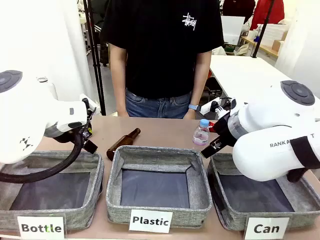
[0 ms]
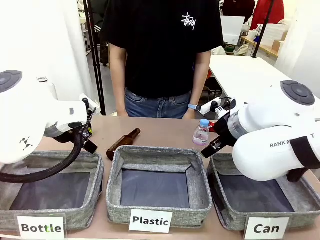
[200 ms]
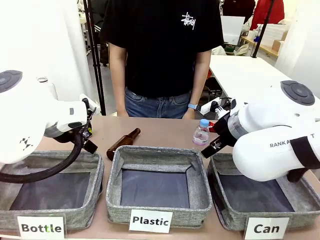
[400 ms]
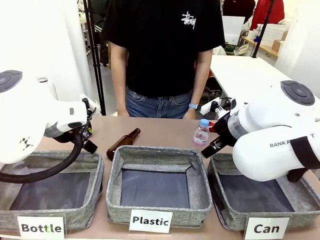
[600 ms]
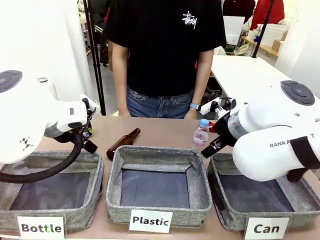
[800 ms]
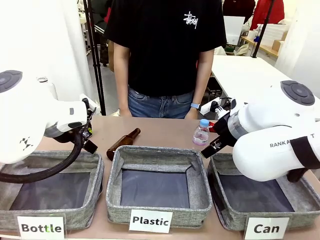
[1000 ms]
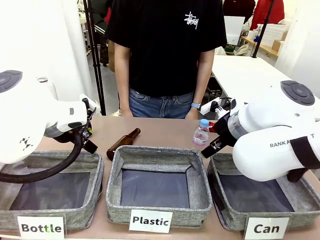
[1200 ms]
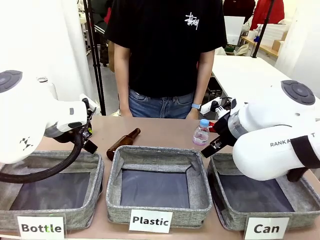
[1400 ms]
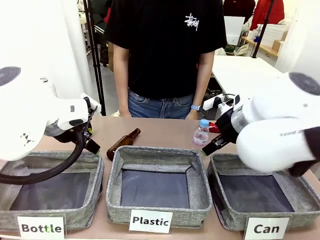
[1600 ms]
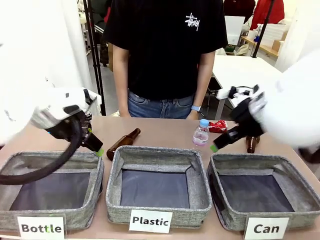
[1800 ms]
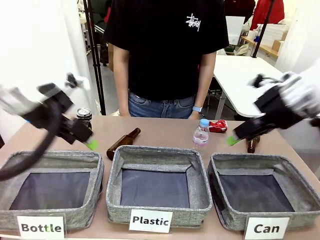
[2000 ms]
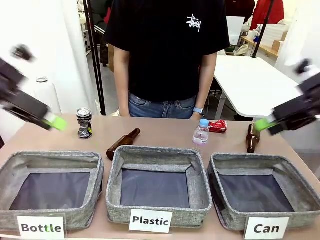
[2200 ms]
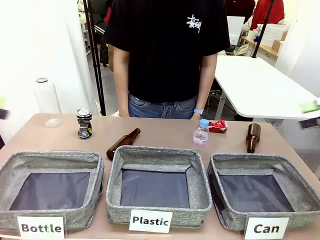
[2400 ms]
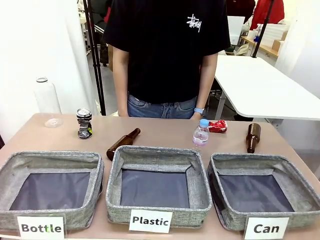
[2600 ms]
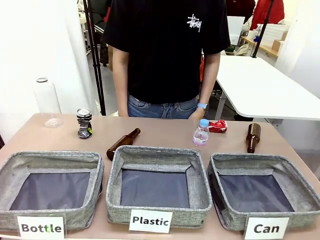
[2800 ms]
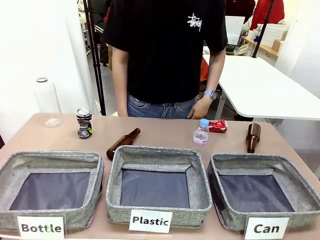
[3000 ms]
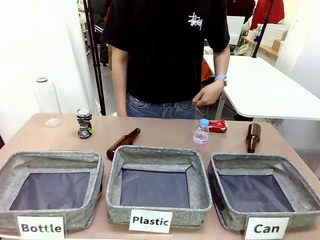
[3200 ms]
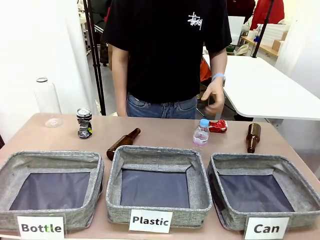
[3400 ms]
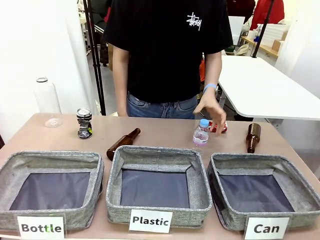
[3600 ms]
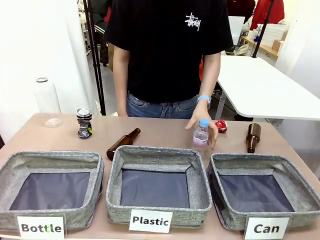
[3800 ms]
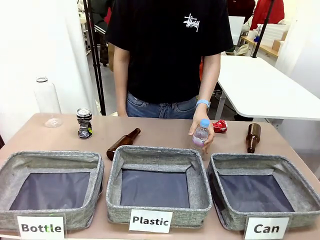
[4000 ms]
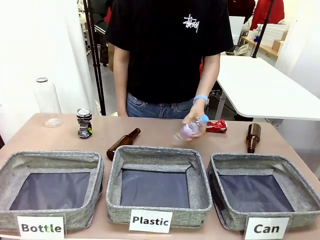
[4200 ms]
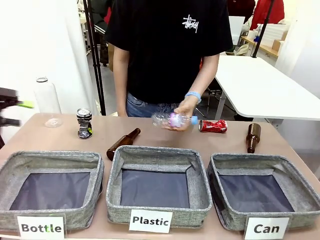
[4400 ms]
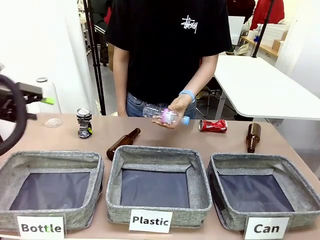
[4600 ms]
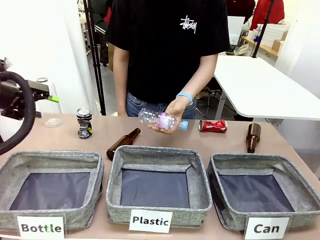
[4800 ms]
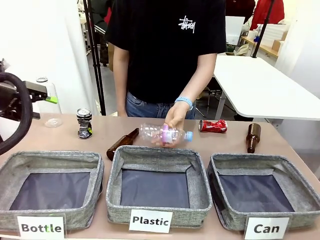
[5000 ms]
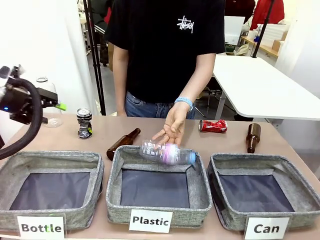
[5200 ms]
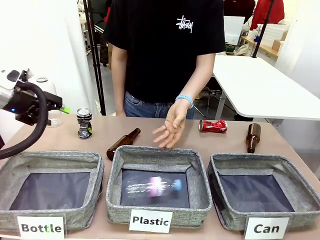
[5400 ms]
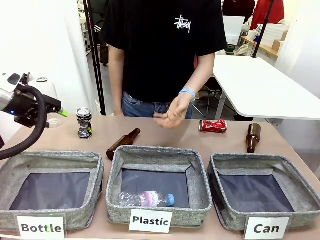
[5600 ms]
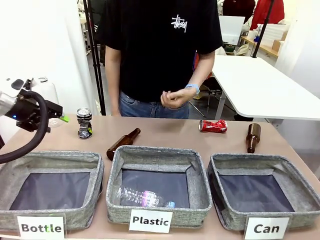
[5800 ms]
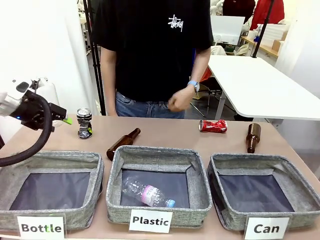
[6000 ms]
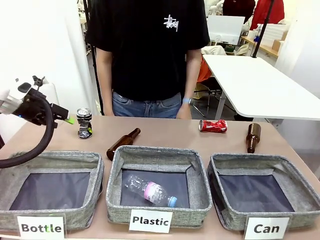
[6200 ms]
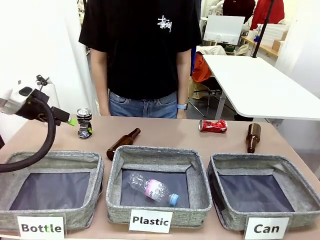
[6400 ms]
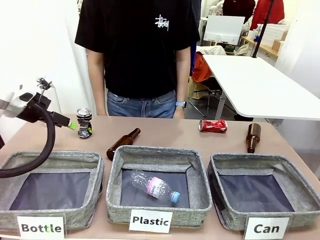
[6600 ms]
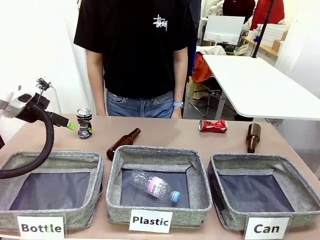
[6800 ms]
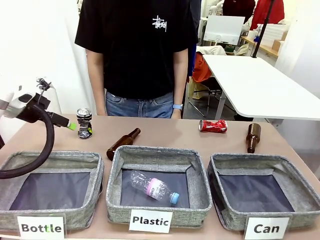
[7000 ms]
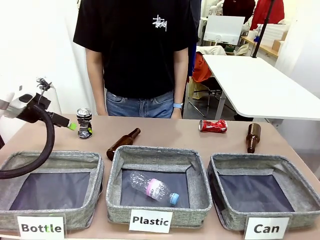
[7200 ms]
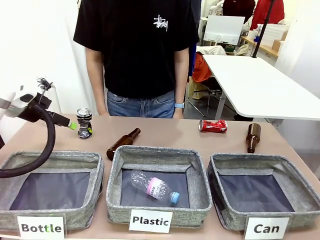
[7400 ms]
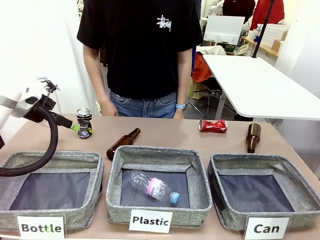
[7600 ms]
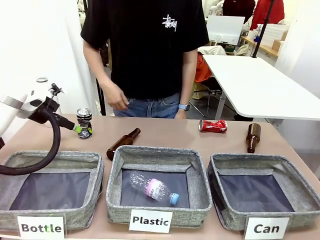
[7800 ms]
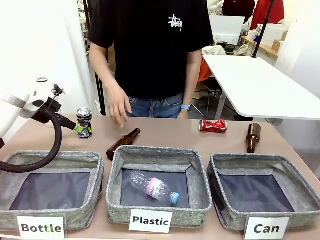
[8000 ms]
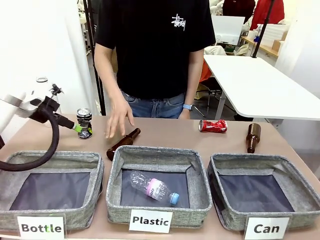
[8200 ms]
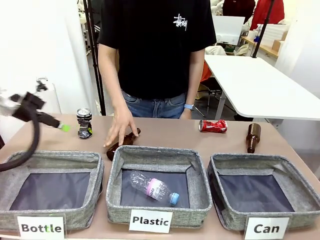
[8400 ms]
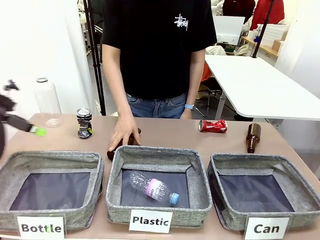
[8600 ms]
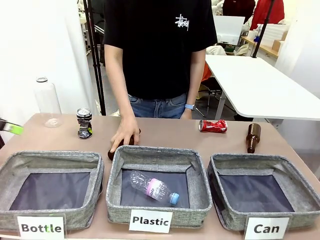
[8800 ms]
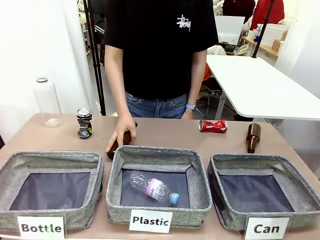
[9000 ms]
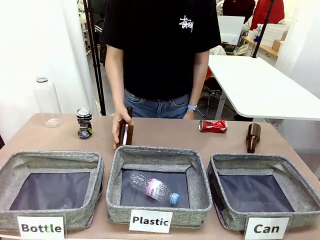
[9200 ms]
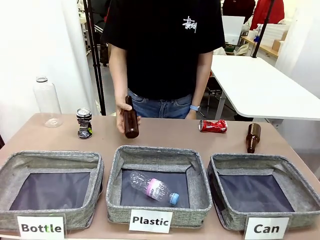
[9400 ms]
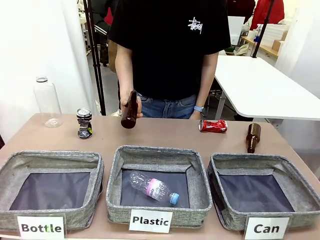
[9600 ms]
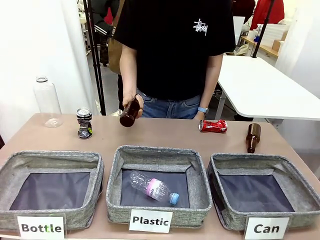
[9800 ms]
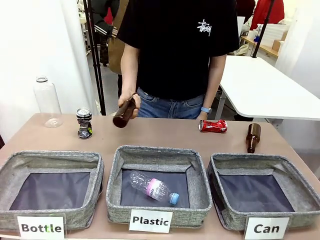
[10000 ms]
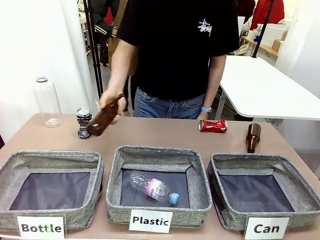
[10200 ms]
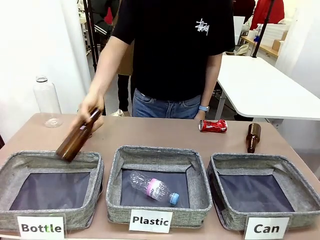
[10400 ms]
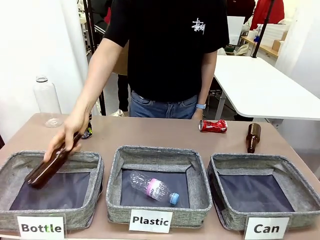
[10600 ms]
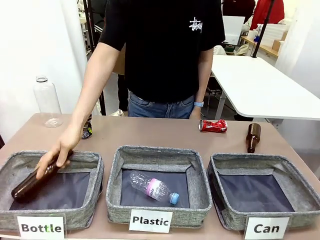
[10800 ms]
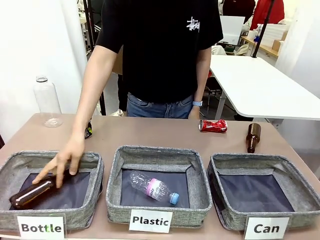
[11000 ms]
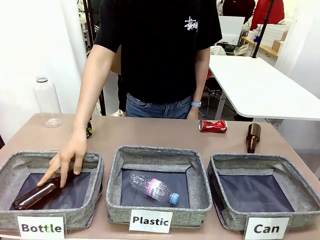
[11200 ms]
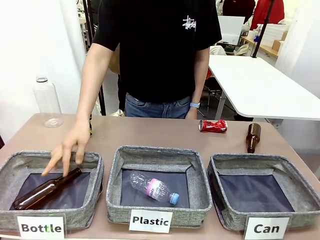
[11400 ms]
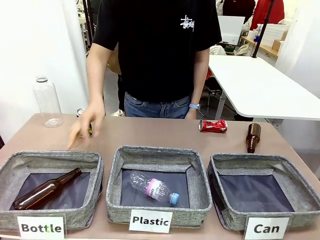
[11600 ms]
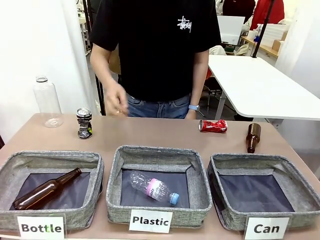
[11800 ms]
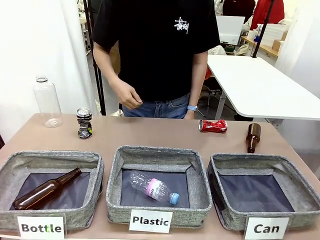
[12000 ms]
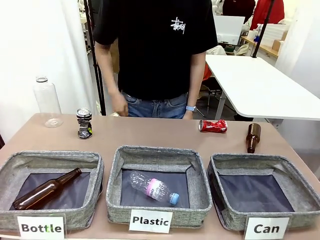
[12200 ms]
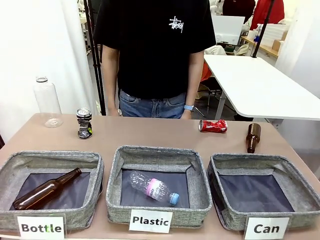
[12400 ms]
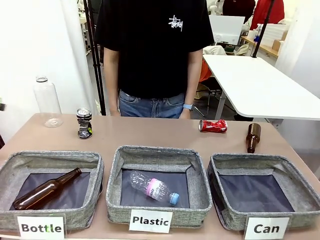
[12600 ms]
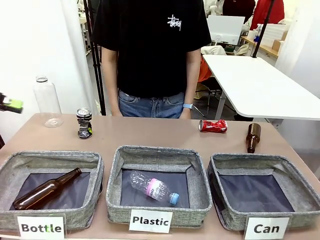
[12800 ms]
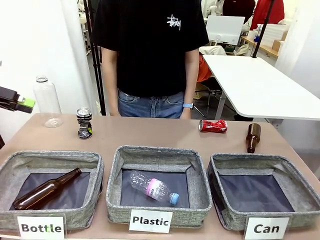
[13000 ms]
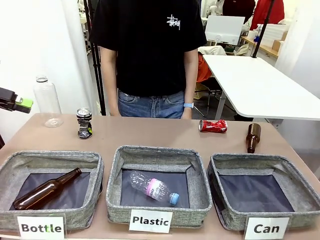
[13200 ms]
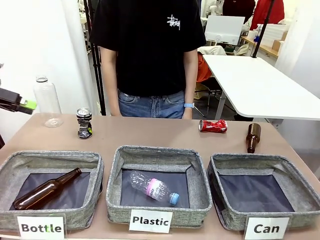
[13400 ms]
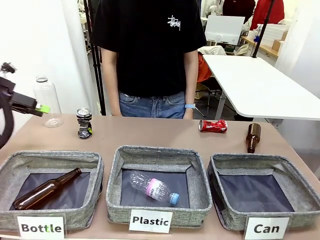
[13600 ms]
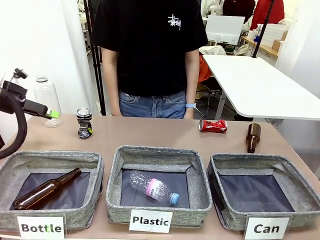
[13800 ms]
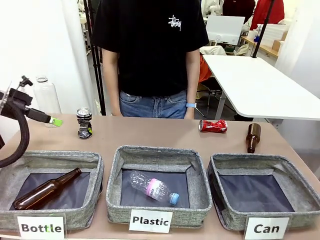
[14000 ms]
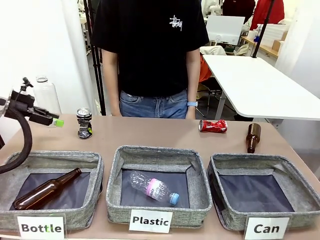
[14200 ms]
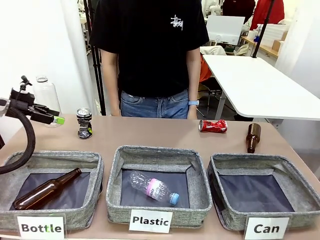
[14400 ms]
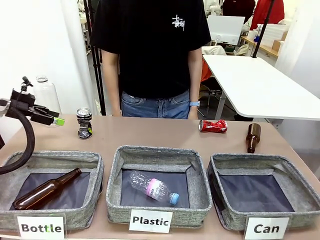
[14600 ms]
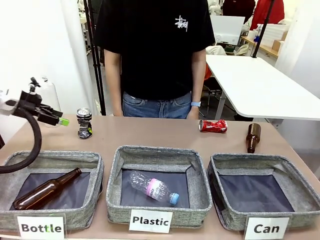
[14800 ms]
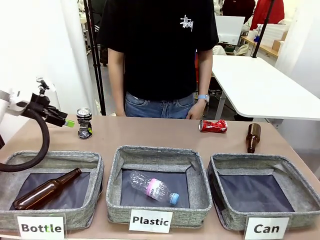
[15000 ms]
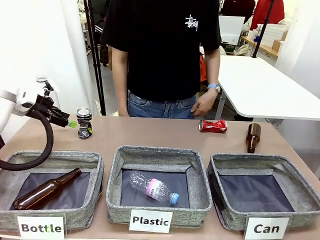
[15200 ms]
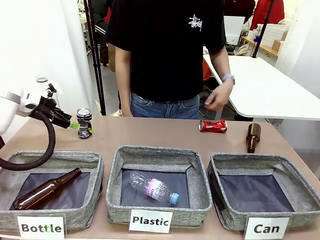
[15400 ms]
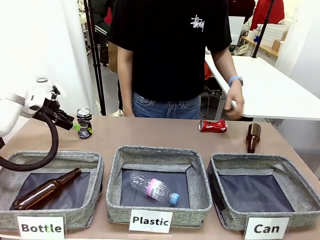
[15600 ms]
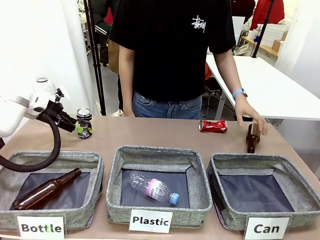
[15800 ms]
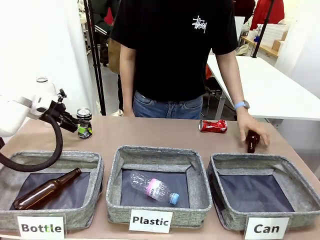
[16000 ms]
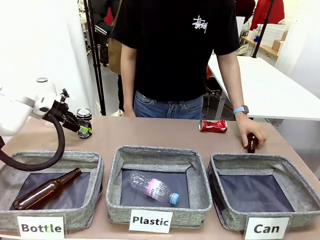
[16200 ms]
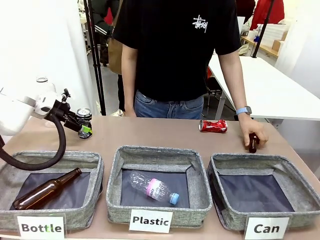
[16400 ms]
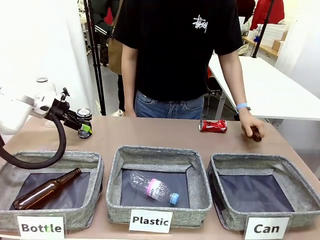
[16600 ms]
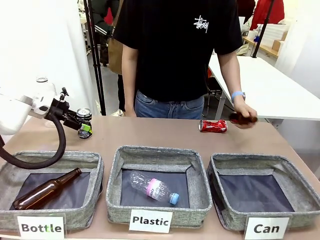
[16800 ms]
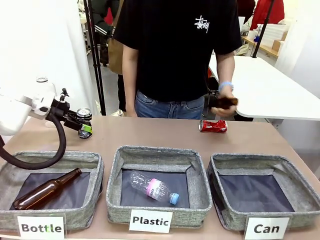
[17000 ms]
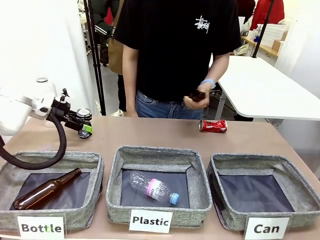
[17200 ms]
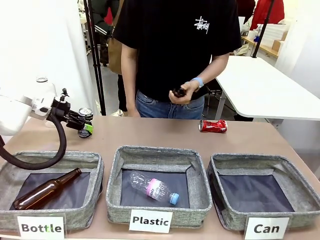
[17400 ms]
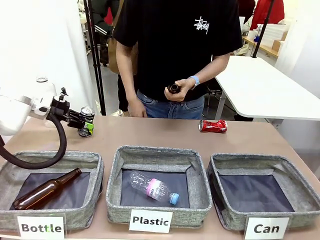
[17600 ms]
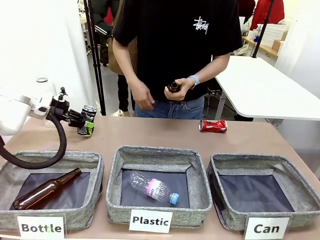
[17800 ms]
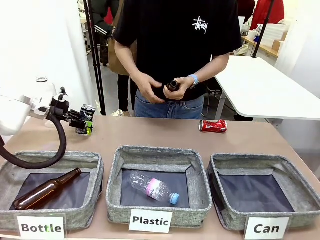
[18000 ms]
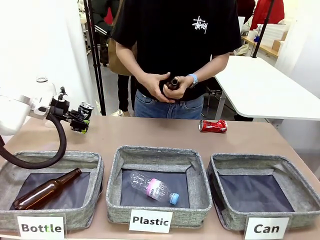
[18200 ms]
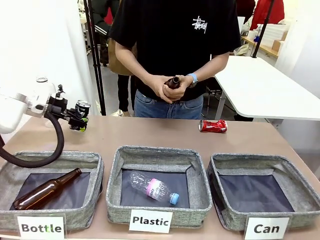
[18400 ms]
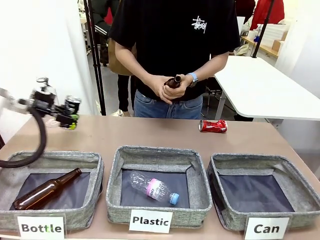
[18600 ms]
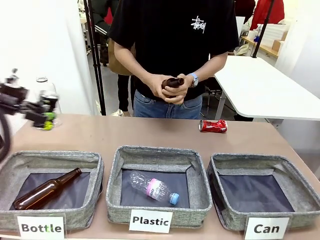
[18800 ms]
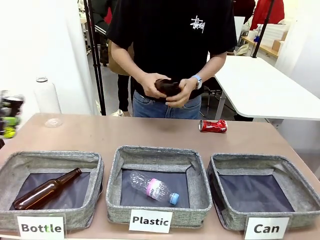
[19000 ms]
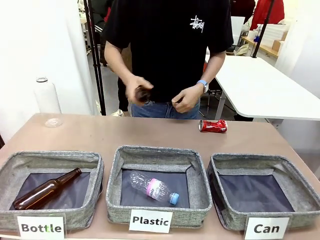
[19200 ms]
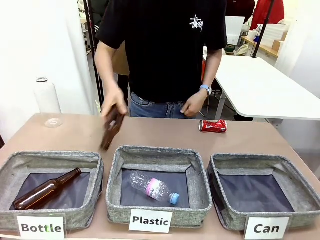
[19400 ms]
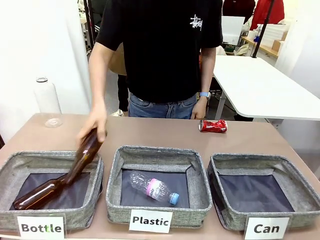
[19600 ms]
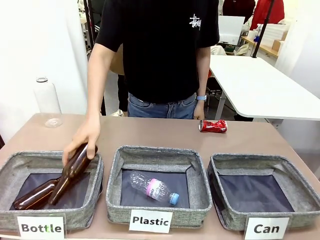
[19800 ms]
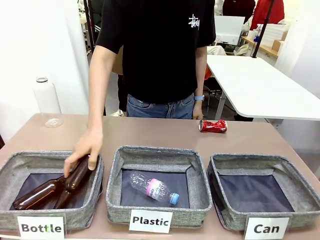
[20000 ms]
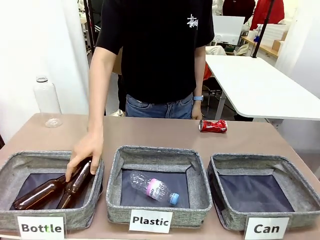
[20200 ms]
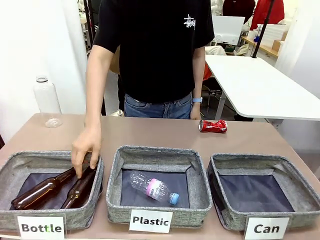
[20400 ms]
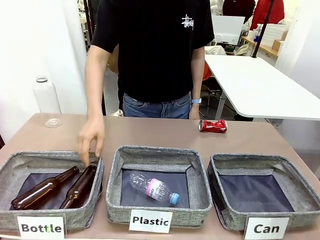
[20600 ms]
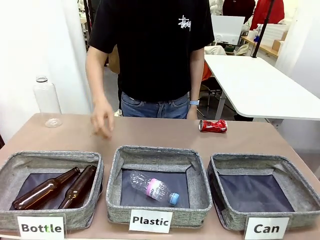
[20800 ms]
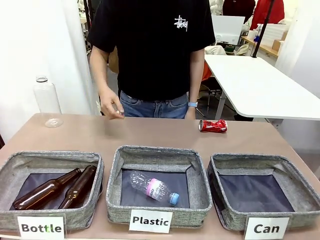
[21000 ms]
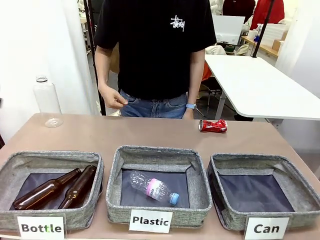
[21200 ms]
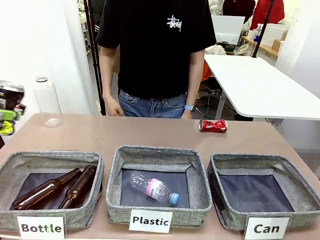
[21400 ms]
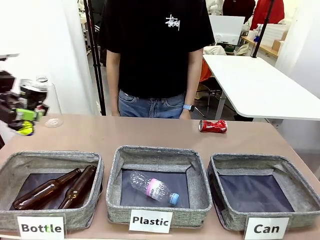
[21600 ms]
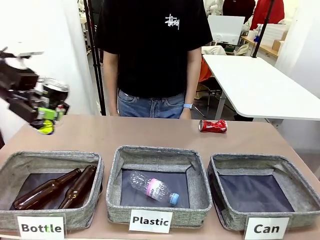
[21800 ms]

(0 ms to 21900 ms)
Task: Sort the can waste into the basket.
Robot: Pick up the can waste from the table and place it in the right Fabric basket.
